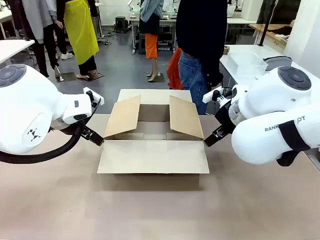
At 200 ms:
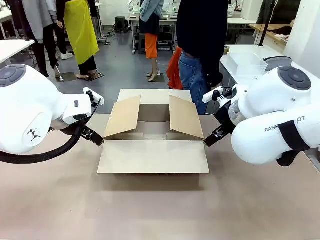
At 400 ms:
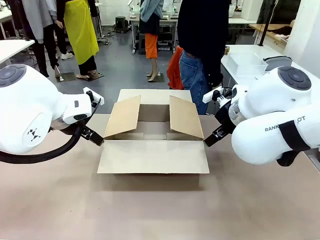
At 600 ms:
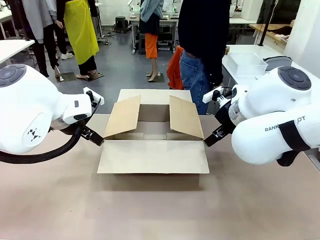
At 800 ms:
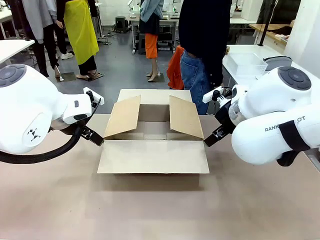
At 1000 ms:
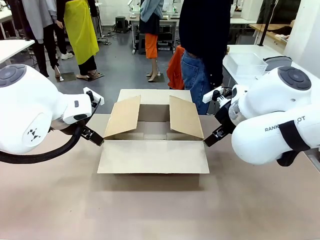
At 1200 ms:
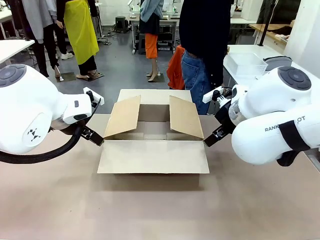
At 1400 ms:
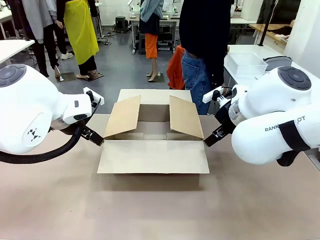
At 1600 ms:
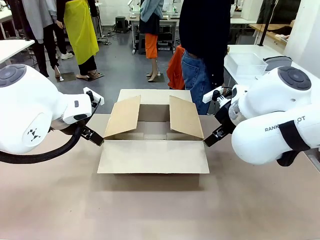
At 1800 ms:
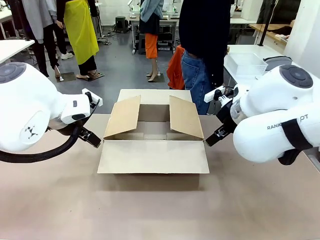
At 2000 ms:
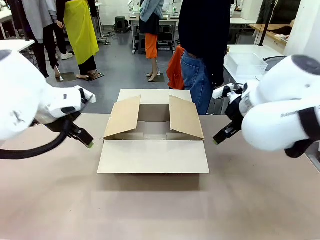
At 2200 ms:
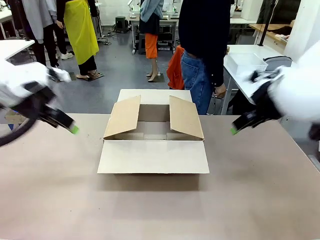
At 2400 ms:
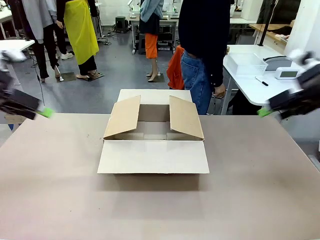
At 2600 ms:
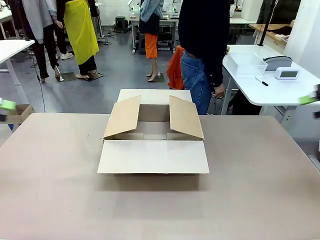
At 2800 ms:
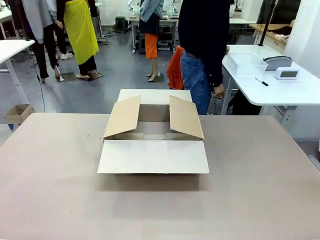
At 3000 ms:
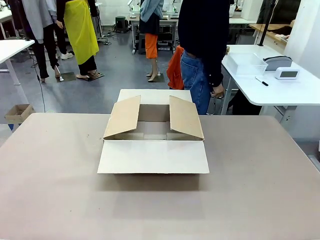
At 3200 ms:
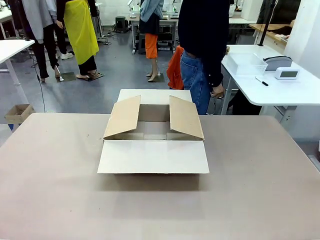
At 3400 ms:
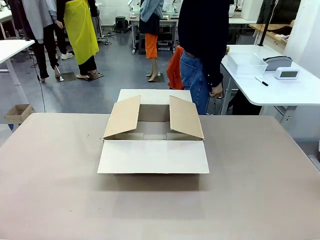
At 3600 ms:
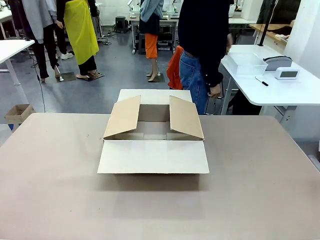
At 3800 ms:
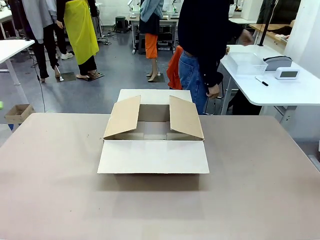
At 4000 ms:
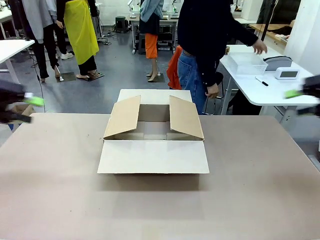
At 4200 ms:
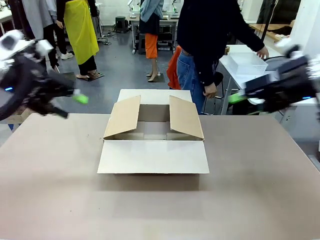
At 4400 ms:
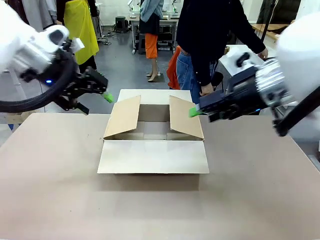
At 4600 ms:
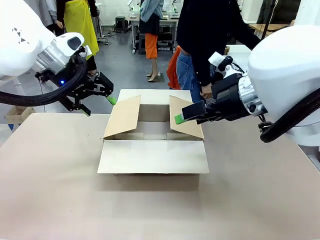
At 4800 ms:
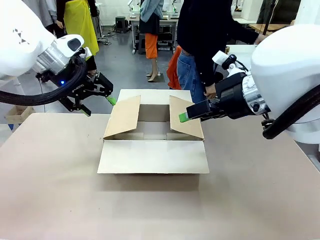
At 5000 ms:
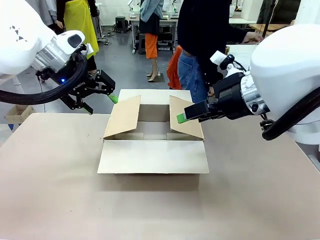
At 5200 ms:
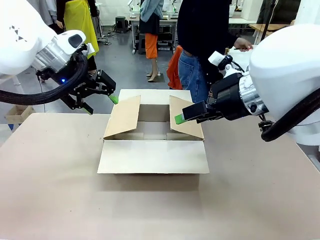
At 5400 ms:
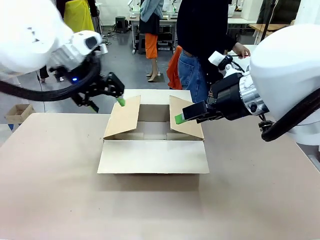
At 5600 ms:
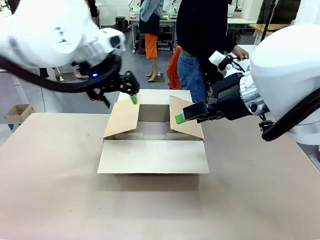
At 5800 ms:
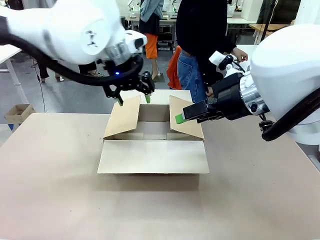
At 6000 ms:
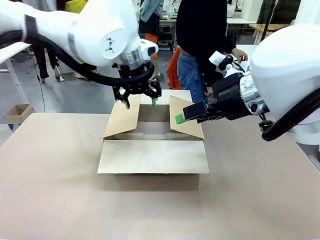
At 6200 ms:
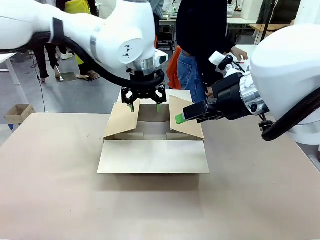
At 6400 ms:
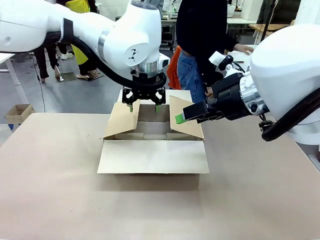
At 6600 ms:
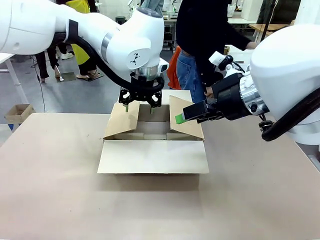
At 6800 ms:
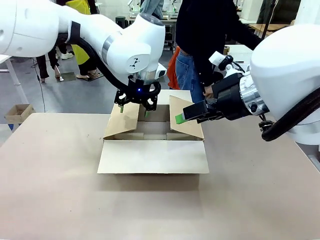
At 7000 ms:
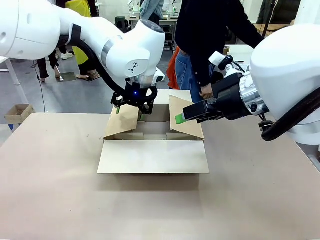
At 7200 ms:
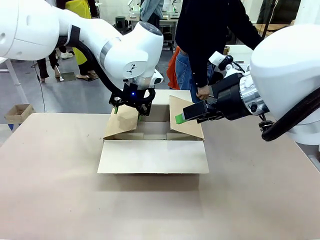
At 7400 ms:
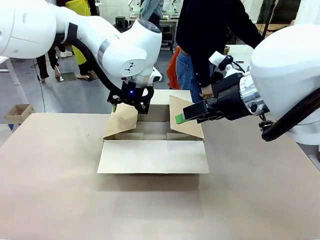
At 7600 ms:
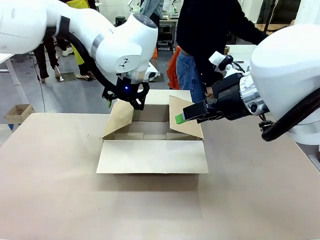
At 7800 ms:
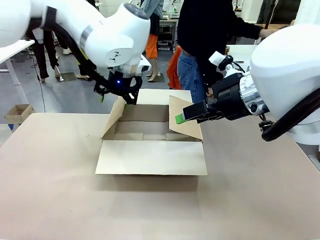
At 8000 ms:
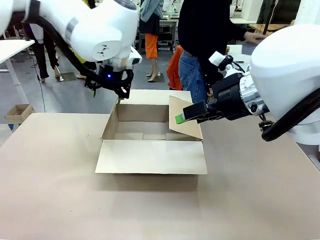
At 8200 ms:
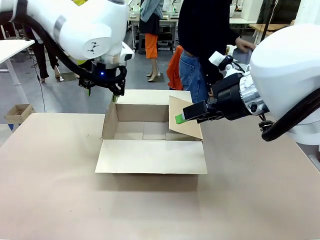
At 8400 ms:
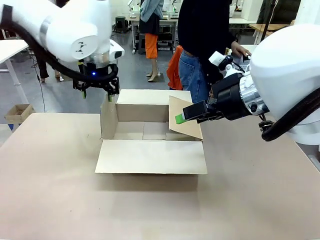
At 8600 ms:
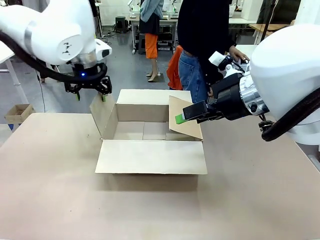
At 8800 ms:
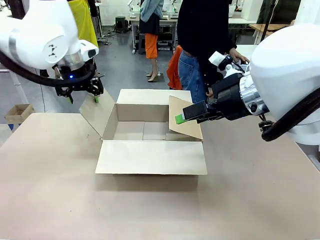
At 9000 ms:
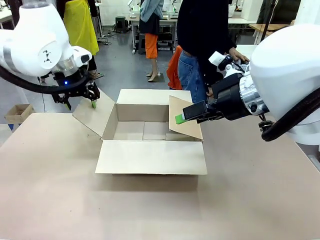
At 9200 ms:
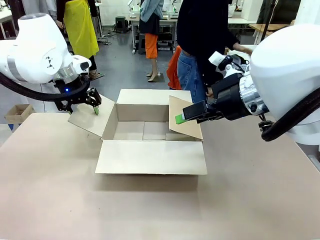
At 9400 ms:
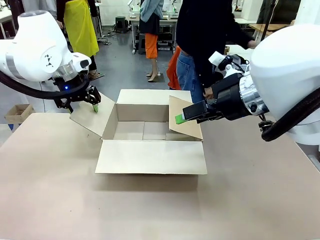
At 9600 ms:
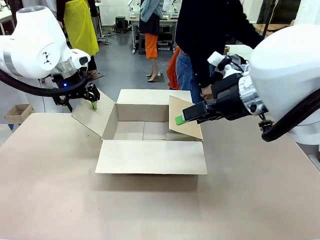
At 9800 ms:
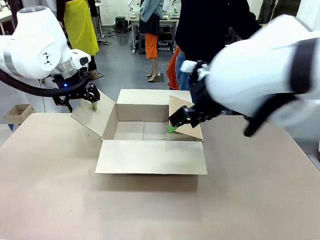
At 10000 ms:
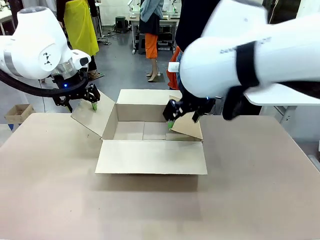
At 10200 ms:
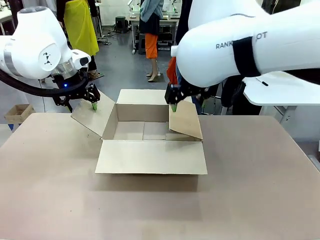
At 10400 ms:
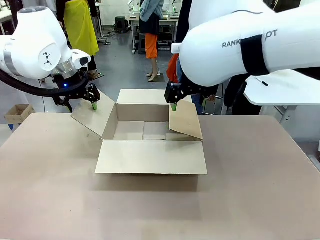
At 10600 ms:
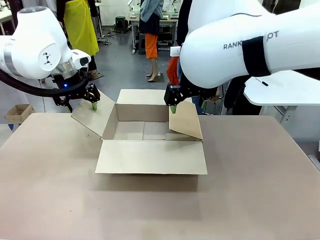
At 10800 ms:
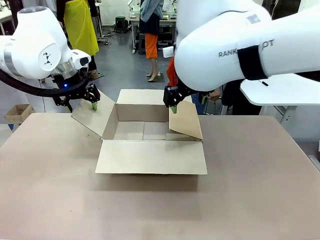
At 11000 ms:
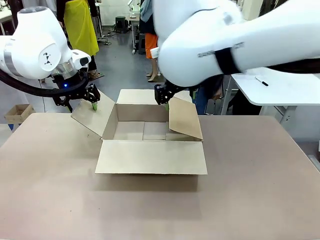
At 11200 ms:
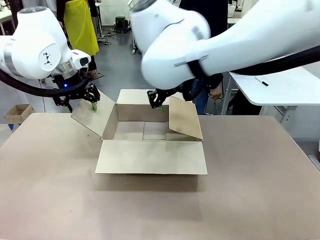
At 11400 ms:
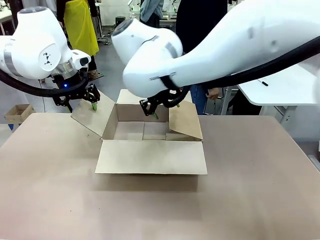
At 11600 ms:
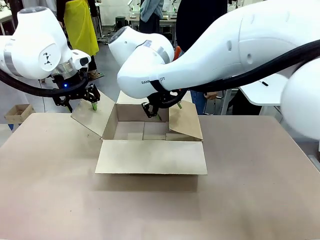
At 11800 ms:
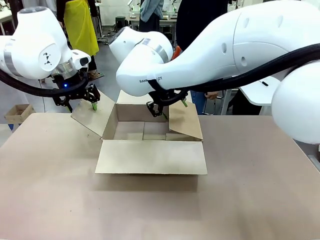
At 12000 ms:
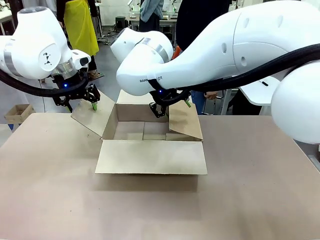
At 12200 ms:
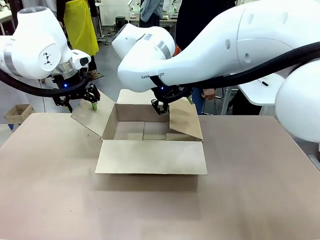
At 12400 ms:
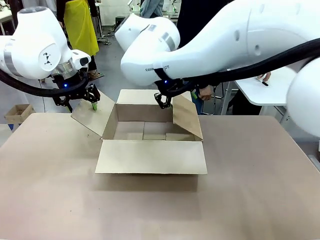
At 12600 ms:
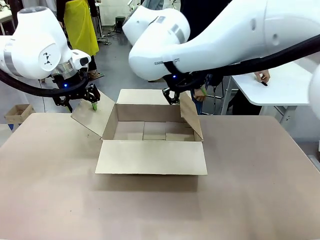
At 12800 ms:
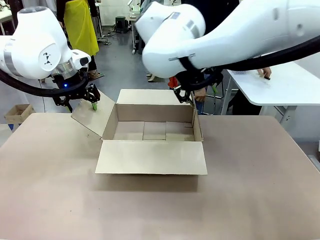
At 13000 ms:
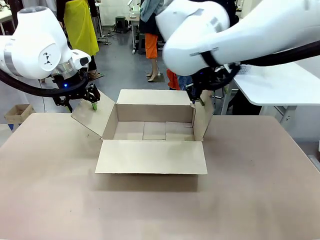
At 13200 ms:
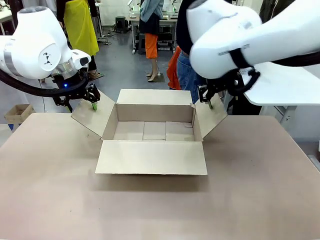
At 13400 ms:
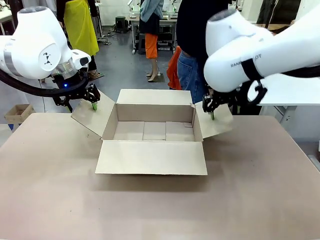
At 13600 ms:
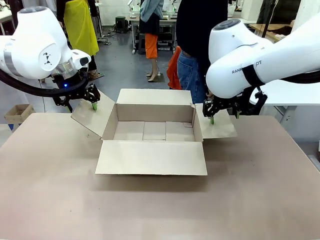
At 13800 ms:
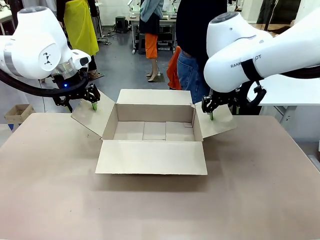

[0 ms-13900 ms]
Task: Pack the gift set into the box.
Robot: Place both hands on the side flaps of the Package Box and spread them outward.
Person: The human places all items except the paper tape into the organizing basket.

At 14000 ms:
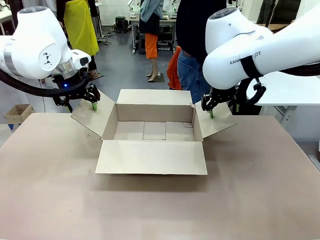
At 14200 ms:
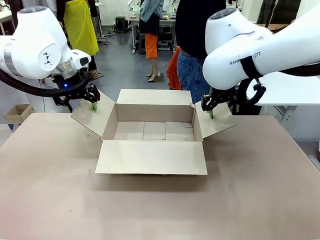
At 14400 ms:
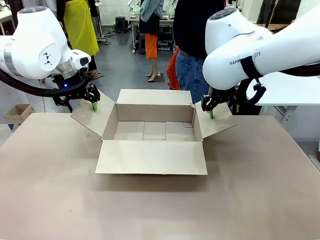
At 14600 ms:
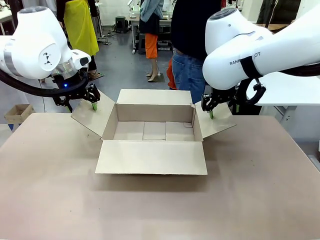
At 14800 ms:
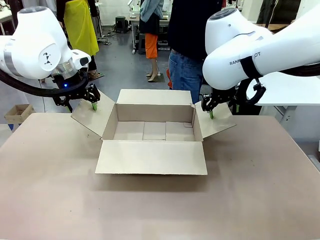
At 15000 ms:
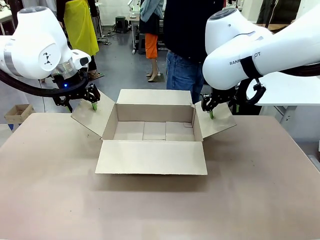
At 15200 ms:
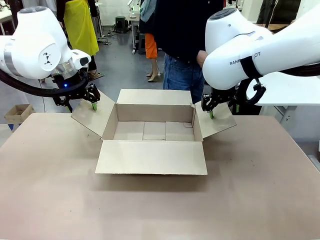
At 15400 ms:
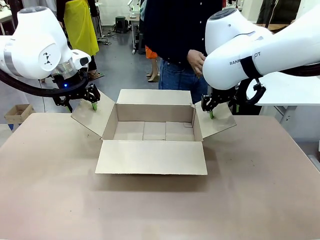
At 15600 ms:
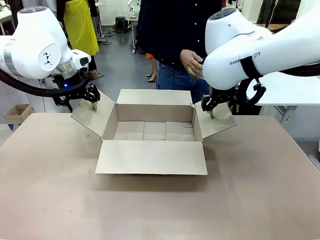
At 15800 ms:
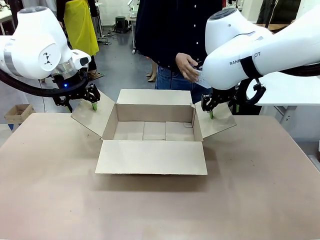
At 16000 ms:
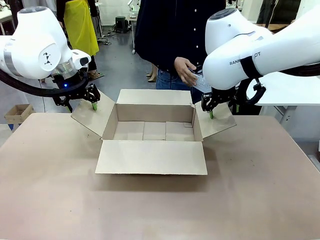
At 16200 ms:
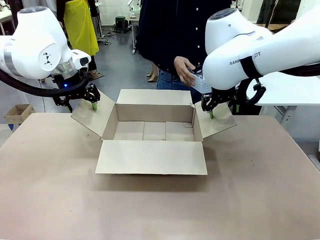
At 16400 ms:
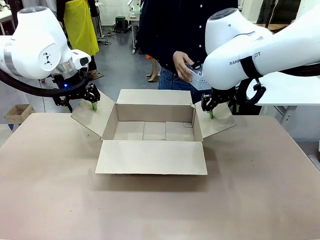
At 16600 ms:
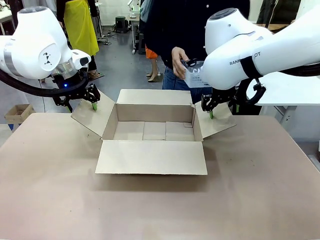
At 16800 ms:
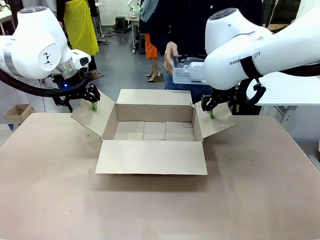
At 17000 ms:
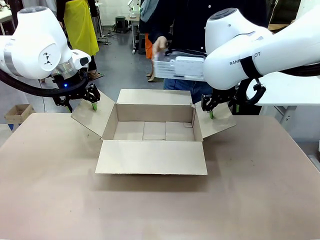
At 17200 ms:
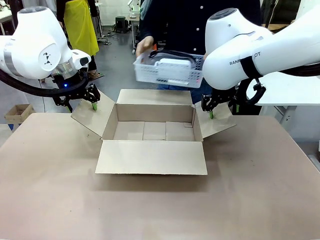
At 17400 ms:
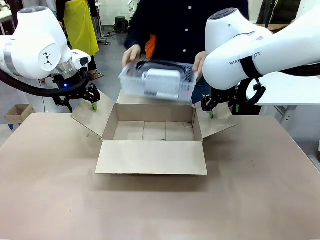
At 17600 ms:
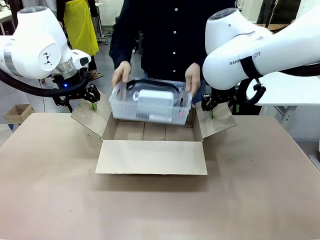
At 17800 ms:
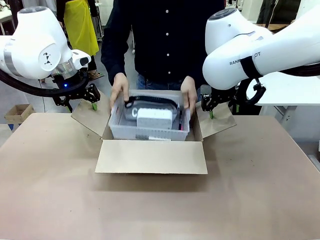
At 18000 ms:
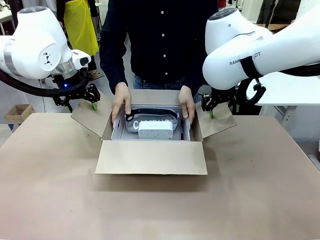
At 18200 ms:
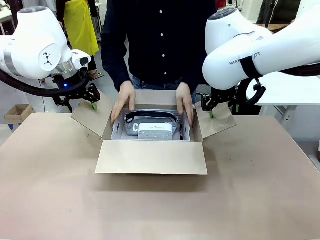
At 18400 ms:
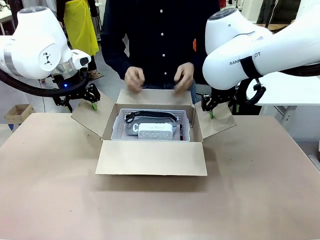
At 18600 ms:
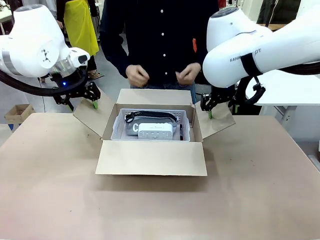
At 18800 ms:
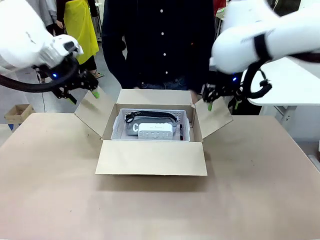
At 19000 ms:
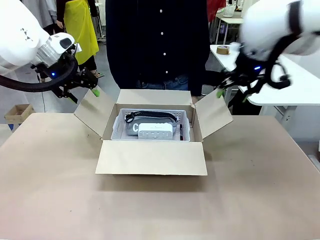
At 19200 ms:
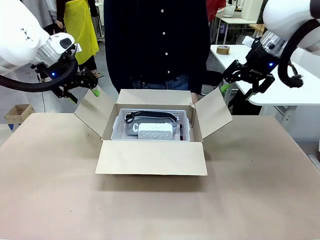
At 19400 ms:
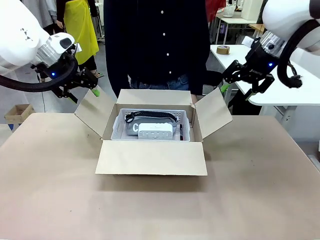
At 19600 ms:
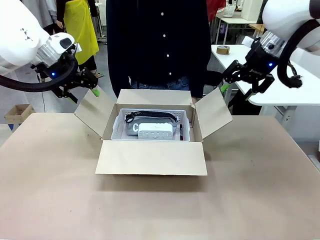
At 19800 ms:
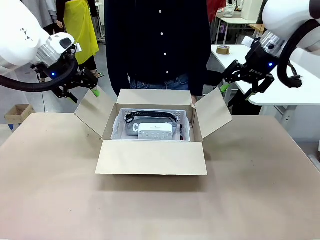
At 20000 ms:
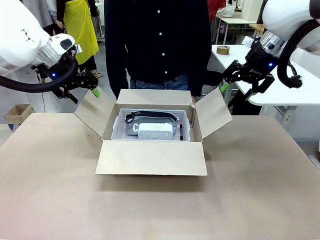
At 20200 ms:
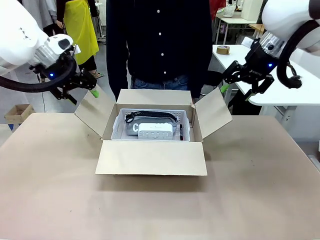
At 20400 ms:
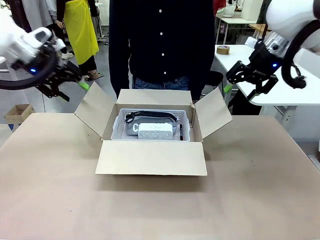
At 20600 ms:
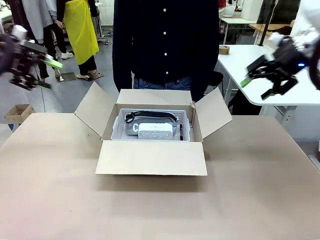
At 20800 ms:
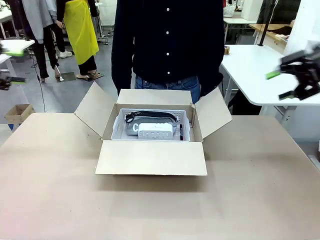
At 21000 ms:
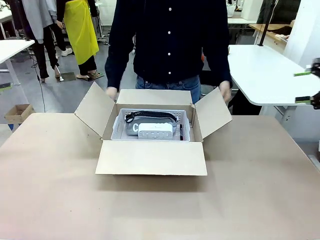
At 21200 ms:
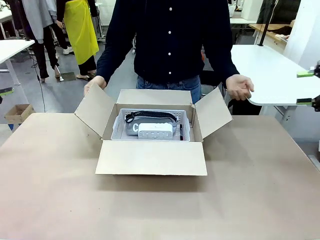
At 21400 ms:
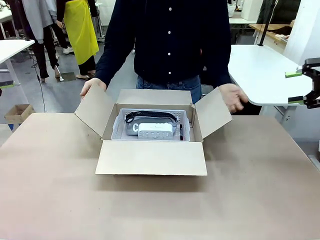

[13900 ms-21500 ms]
Robot: Lift both hands away from the flaps of the Package Box.
Person: The human picks up the organizing basket and places the organizing basket into the package box on the robot table.
